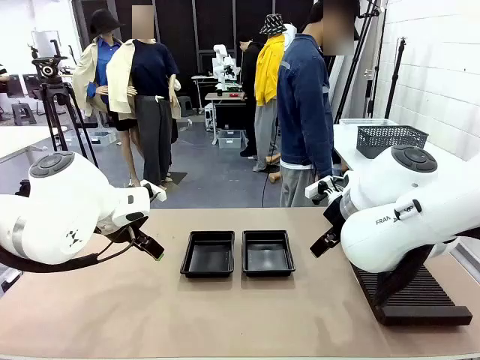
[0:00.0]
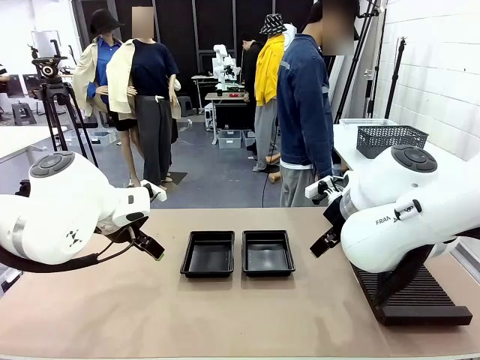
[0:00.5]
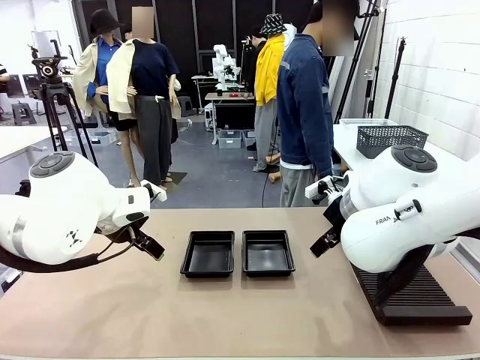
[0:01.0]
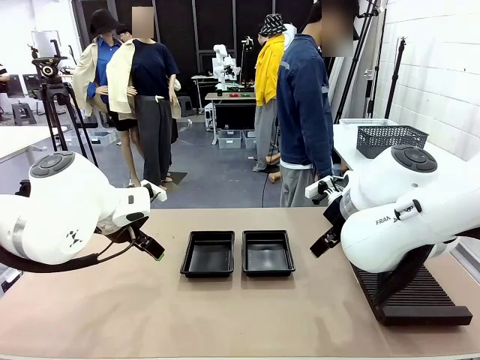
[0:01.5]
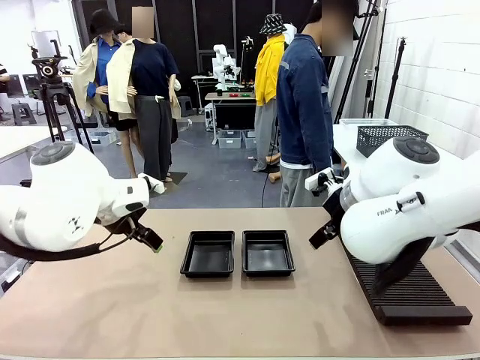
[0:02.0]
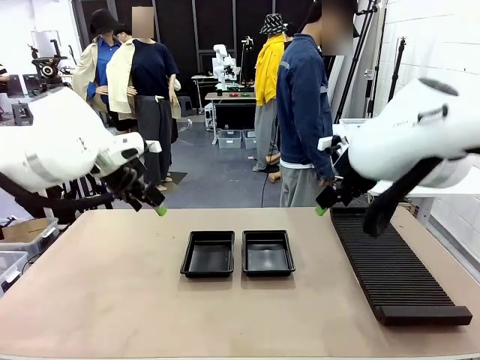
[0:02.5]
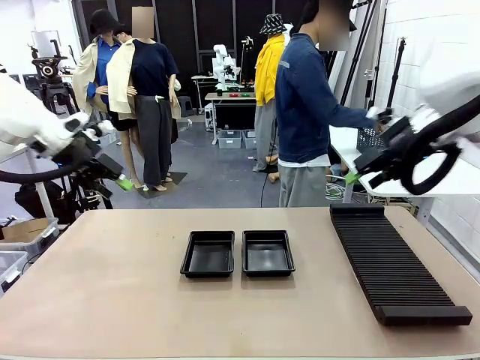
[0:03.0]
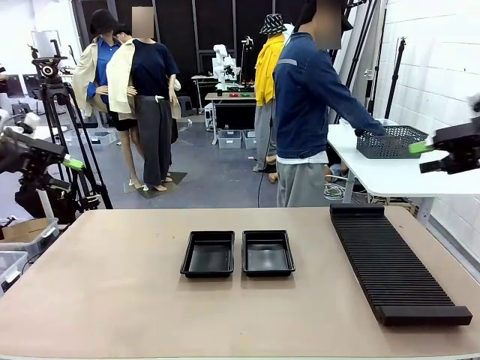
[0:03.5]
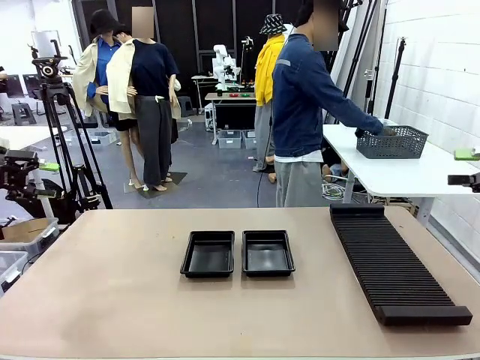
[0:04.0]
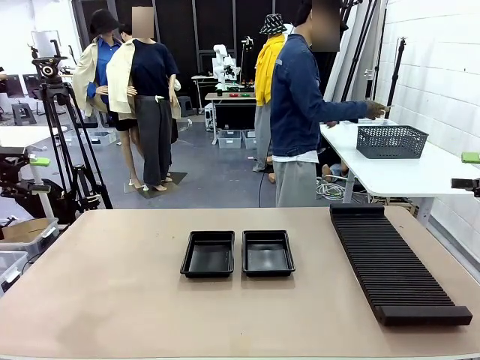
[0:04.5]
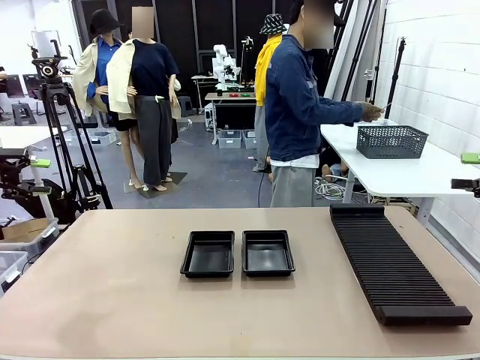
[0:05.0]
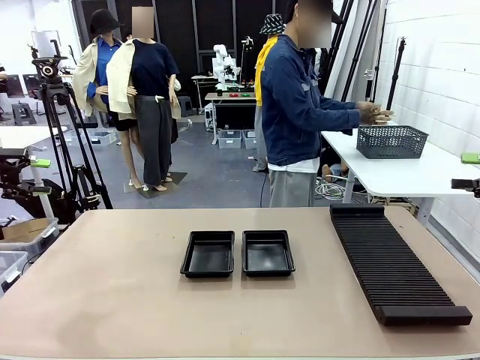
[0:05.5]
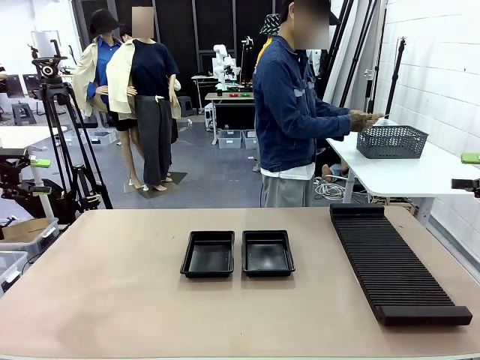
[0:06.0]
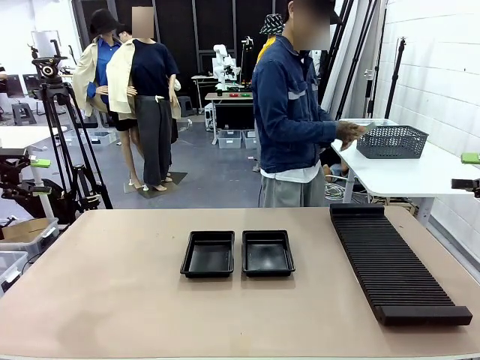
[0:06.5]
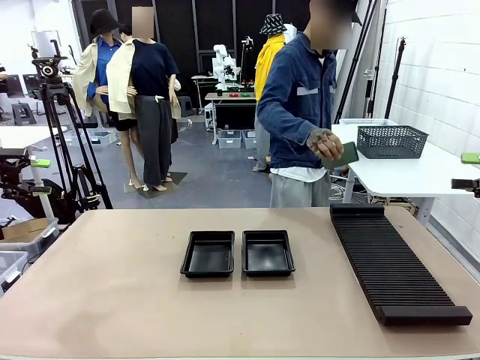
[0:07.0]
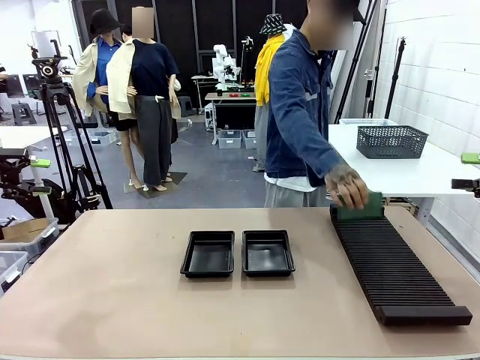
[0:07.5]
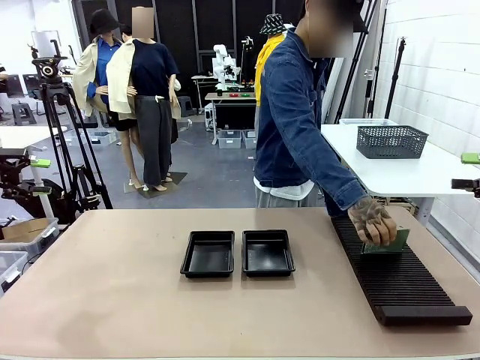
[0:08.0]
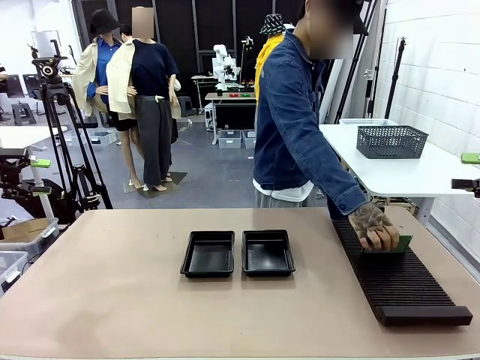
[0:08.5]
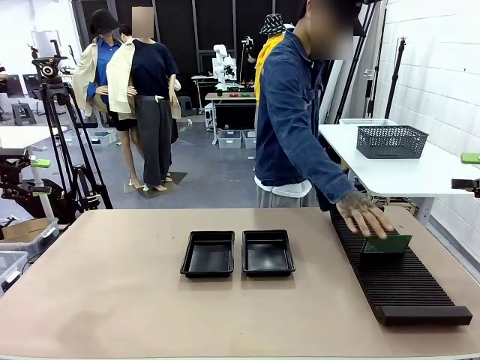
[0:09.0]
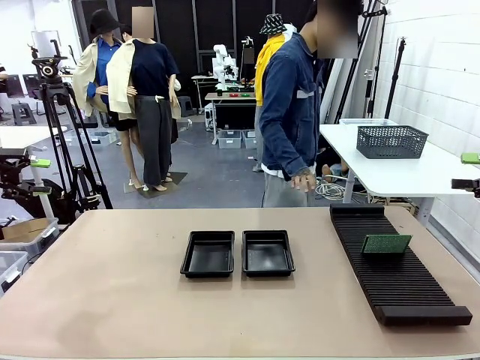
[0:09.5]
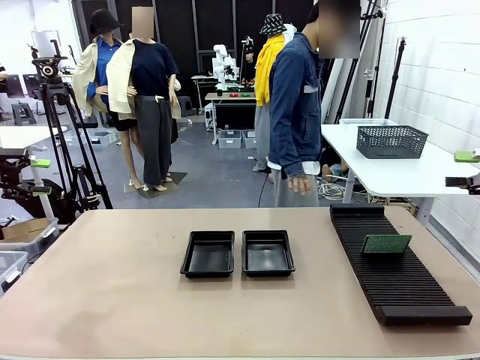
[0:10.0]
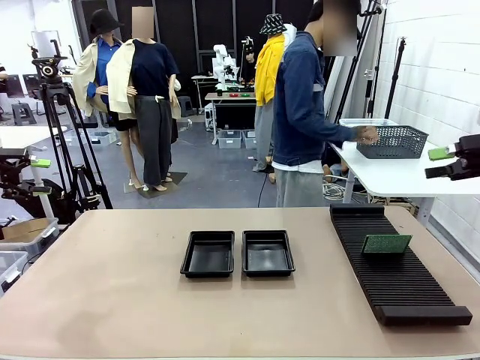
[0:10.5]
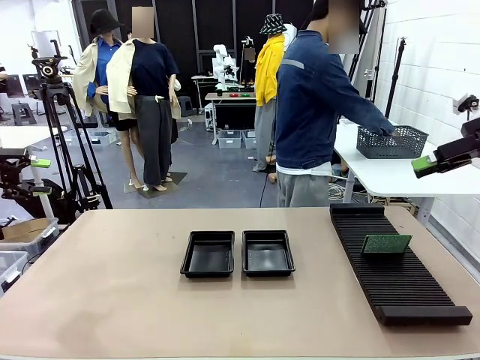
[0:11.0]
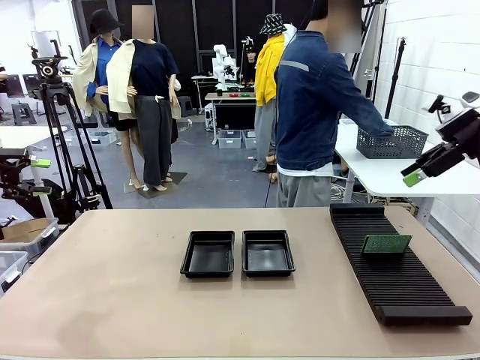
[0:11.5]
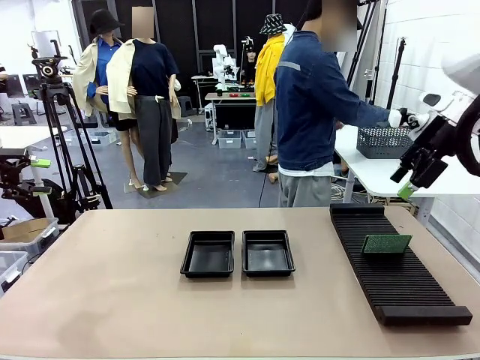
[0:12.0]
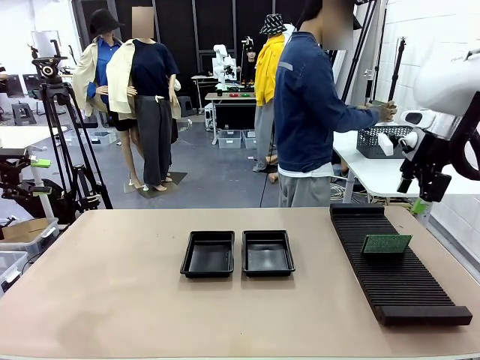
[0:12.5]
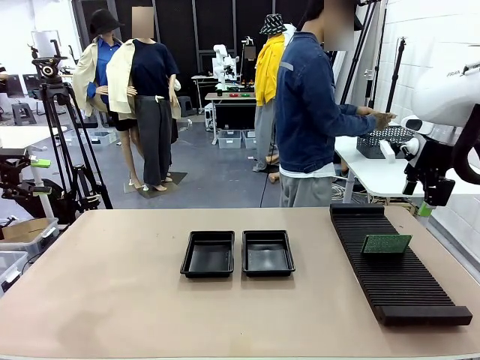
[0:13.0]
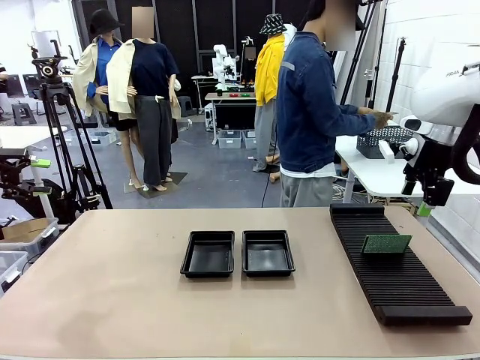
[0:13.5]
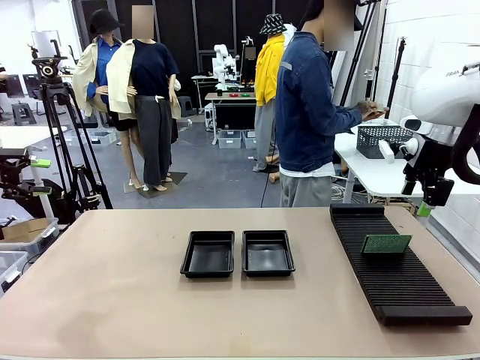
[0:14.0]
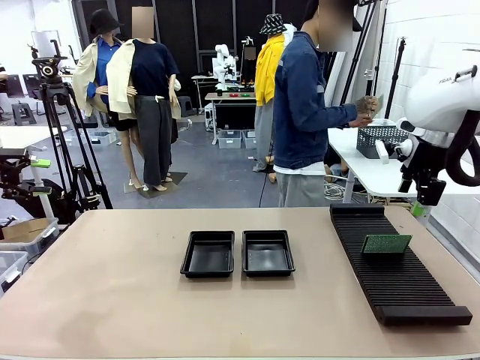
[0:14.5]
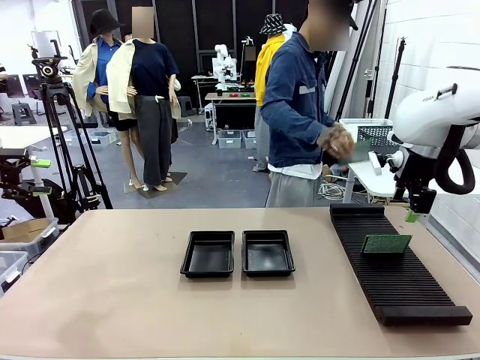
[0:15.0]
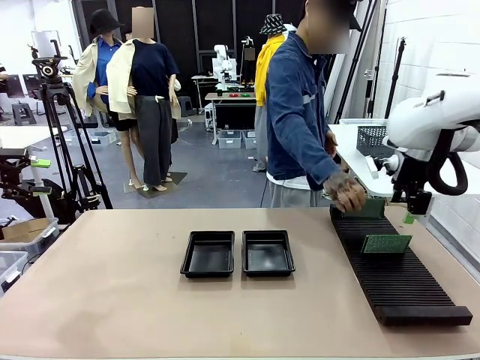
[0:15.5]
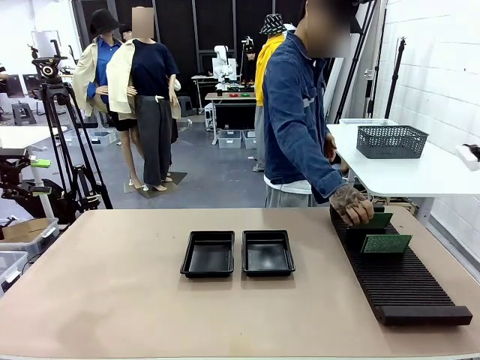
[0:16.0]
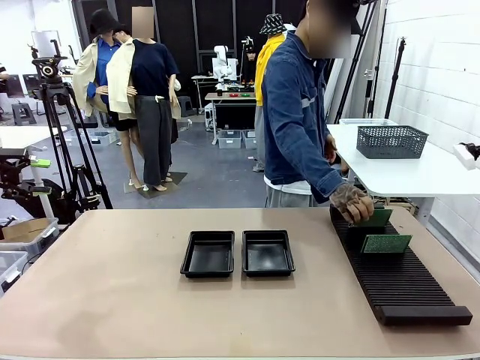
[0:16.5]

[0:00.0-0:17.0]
Task: Inspect and transfer BCBs to ESD trays.
Robot: Pick up the Blank PCB from the PCB Rack and place it in the left ESD tray.

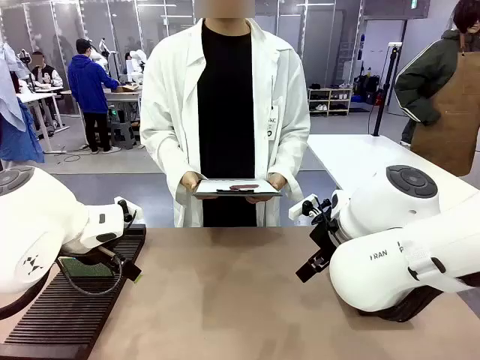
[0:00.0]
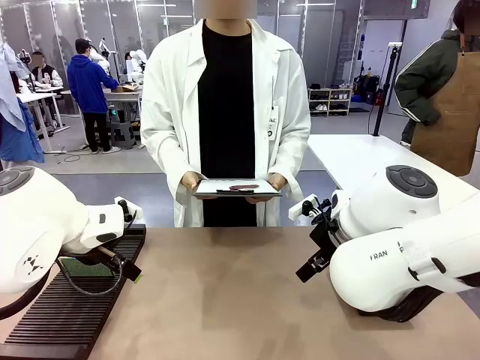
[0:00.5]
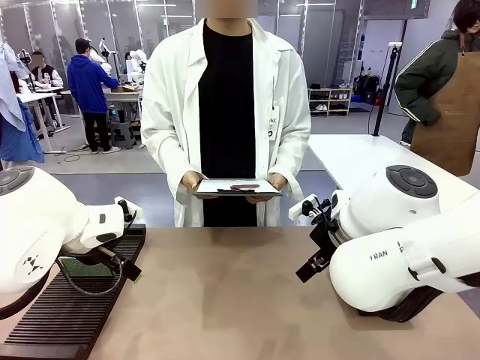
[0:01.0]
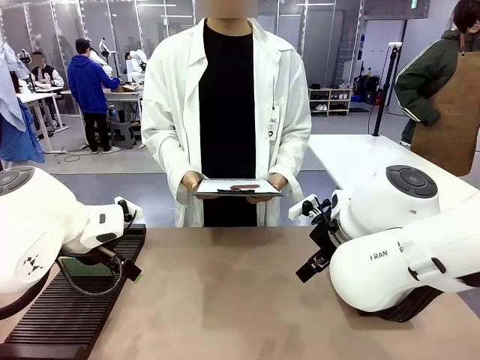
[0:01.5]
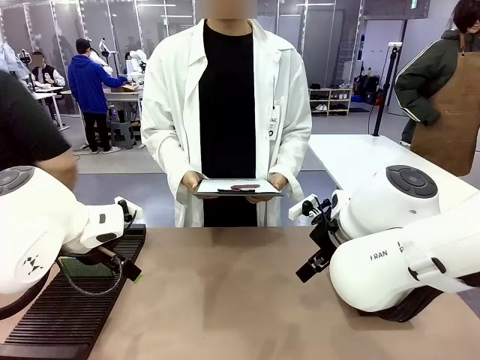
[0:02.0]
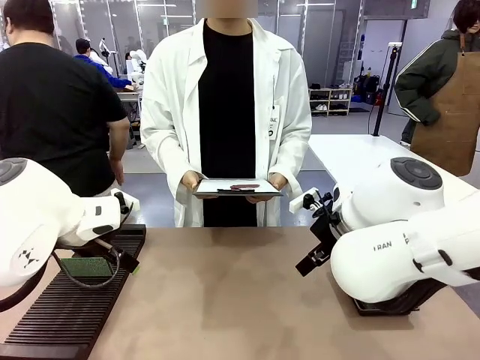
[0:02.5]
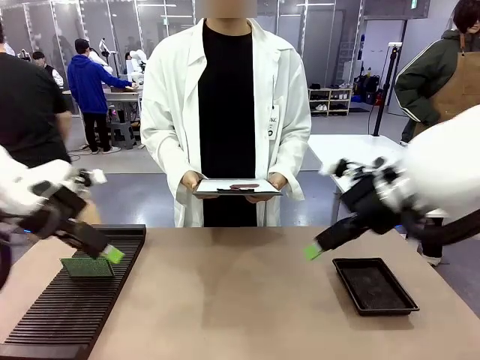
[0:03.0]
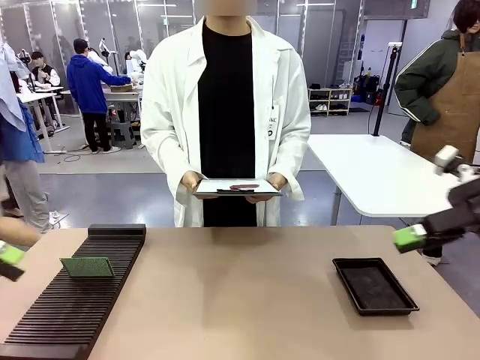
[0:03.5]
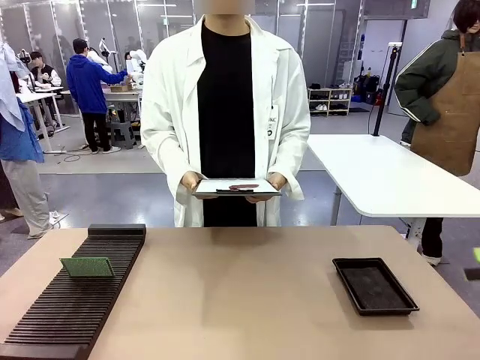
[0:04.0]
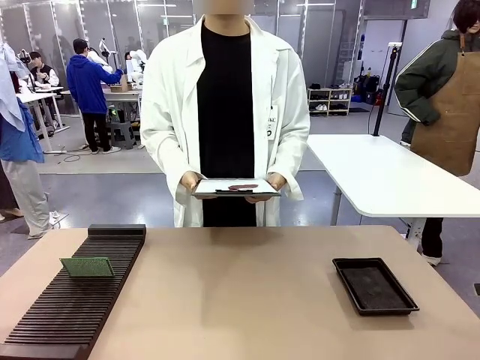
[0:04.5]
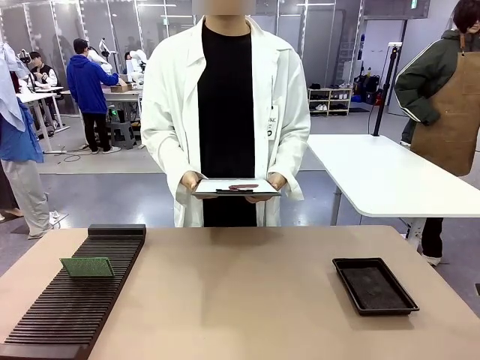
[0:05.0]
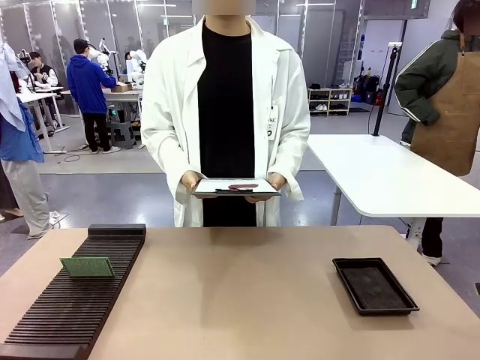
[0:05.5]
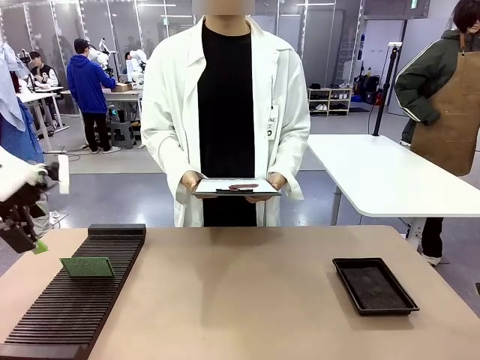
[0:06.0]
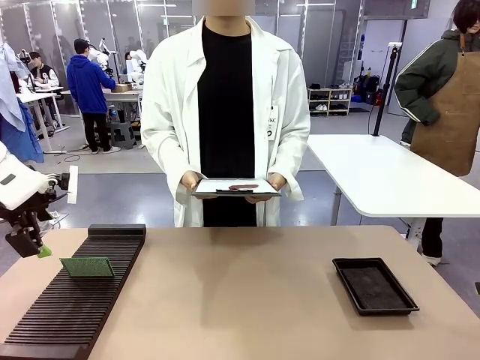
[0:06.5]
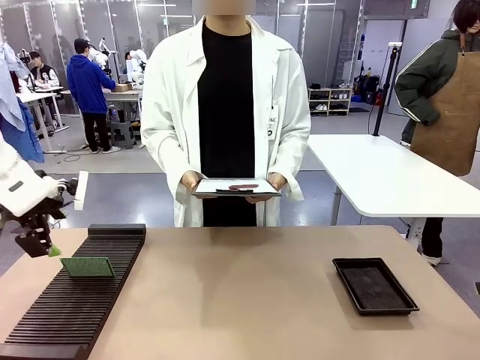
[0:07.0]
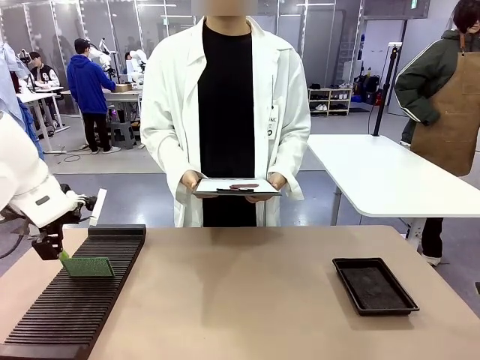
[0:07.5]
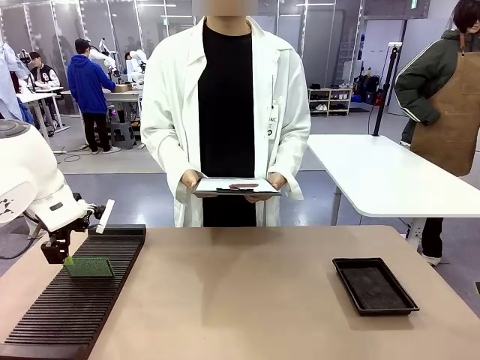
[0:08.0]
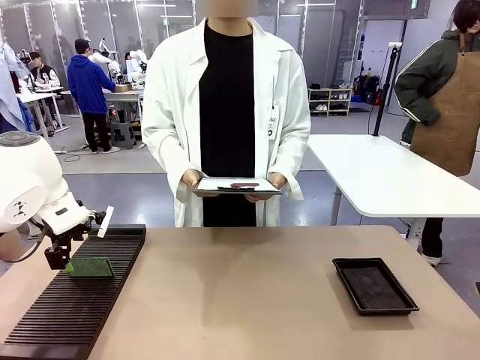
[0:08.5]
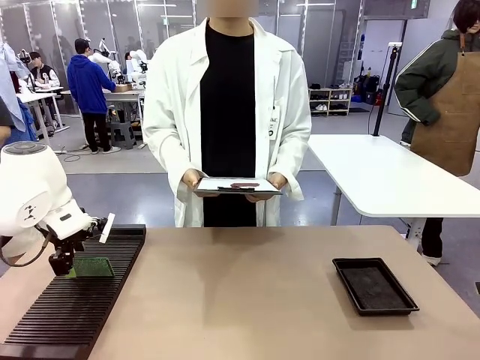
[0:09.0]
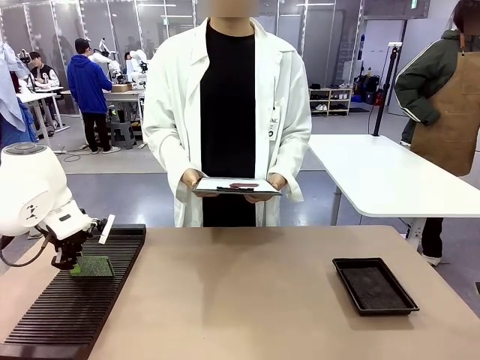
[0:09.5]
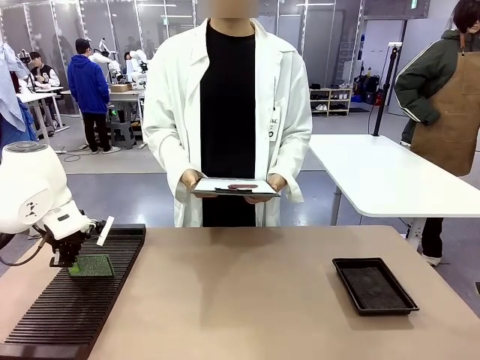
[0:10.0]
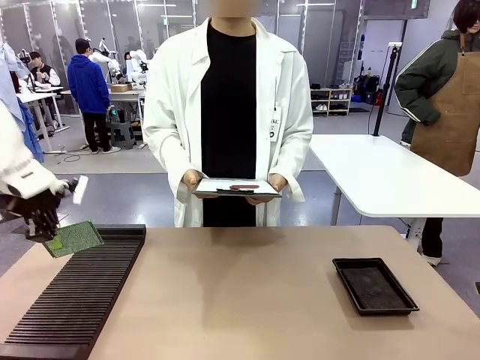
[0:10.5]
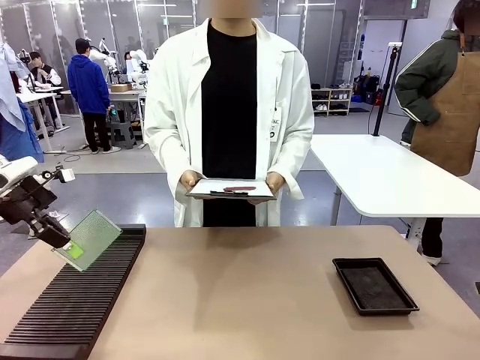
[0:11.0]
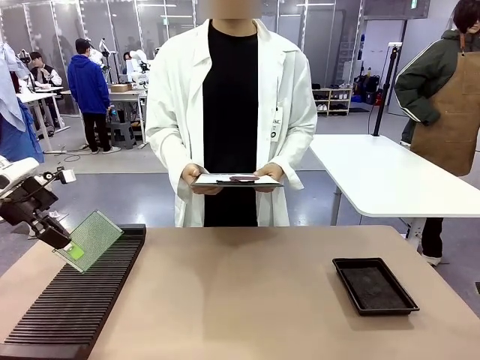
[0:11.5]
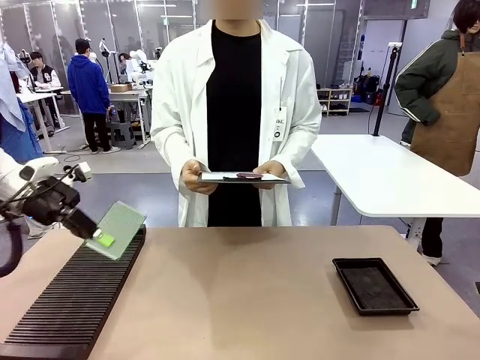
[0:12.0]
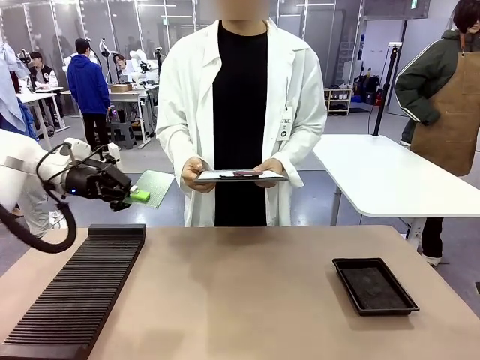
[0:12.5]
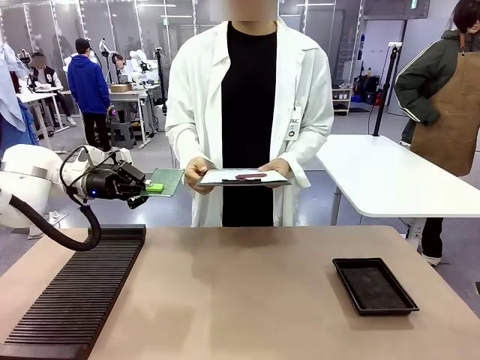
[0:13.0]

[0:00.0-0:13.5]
Task: Inspect the PCB.
Robot: Pick up the Blank PCB and present it to the human.
Person: Pick up the PCB presented by the robot.
